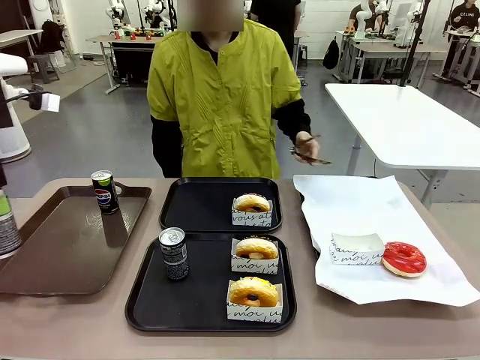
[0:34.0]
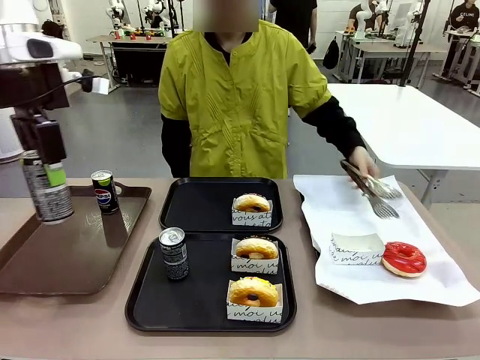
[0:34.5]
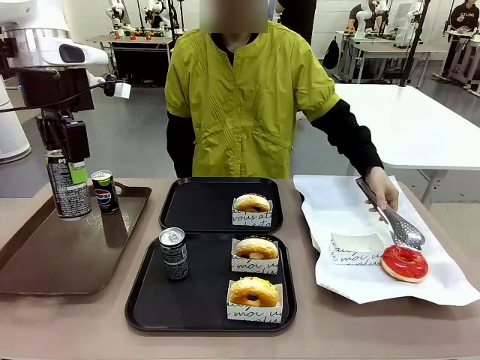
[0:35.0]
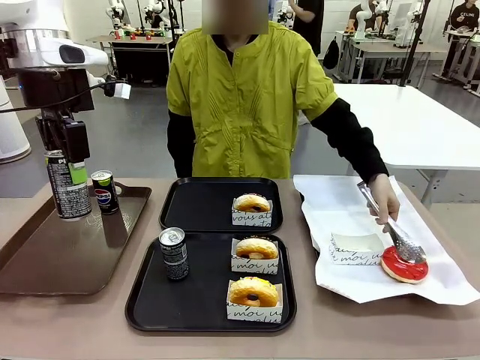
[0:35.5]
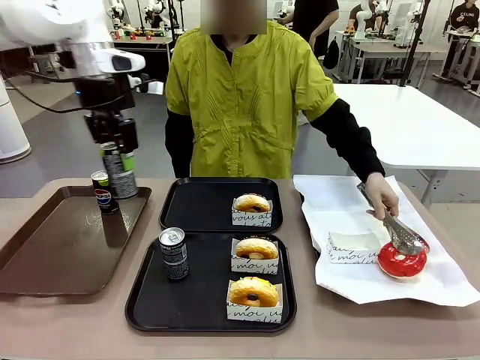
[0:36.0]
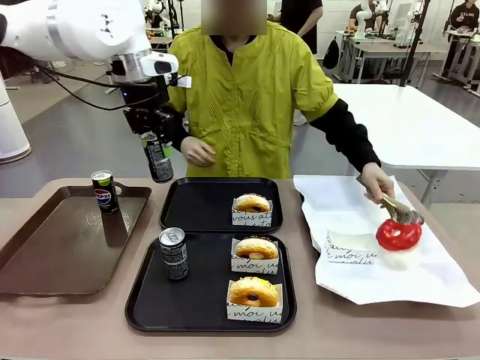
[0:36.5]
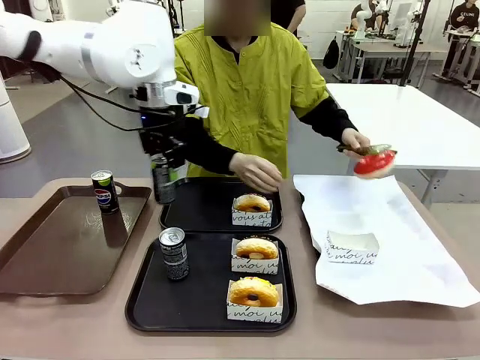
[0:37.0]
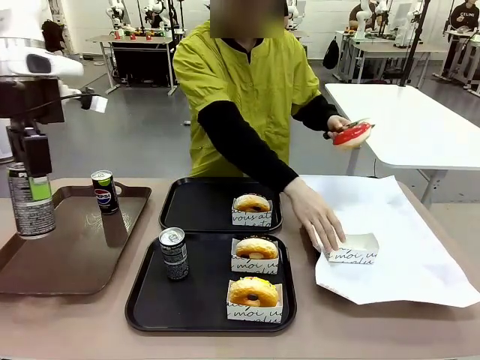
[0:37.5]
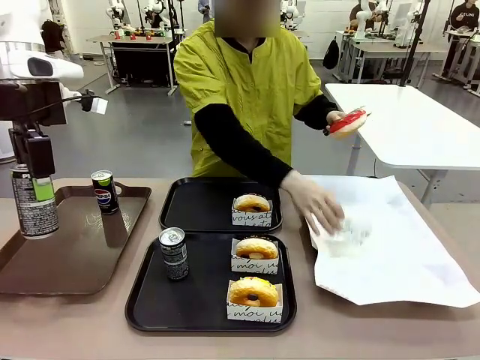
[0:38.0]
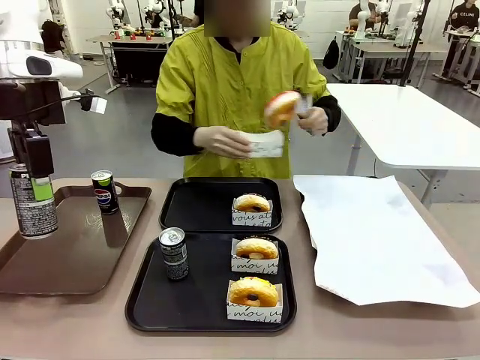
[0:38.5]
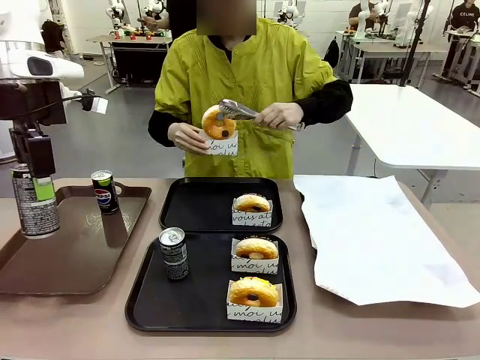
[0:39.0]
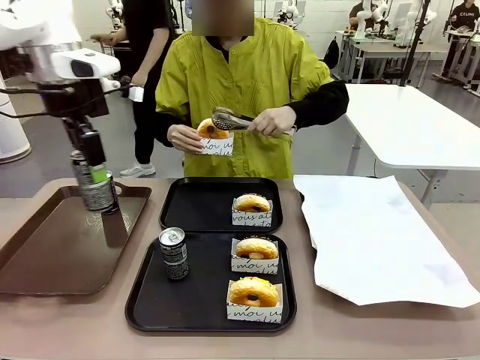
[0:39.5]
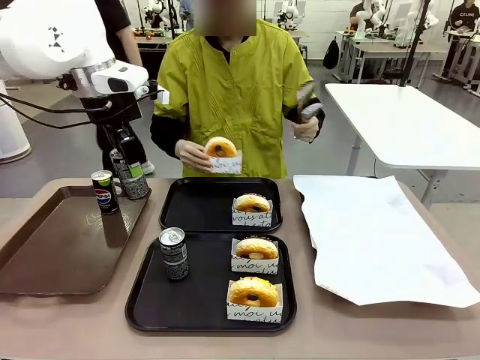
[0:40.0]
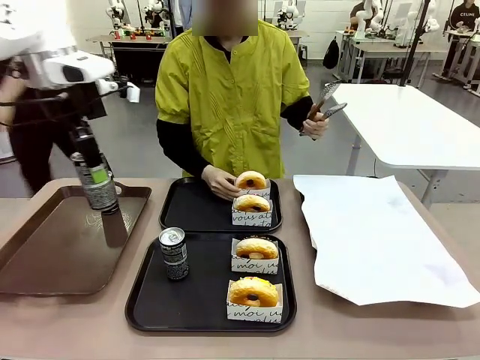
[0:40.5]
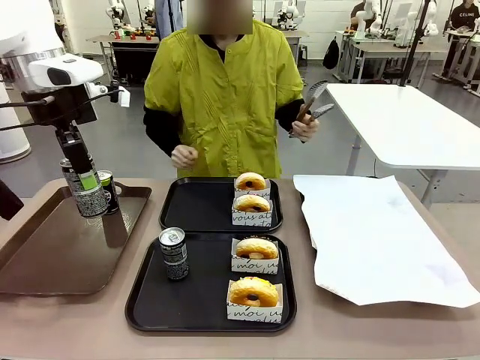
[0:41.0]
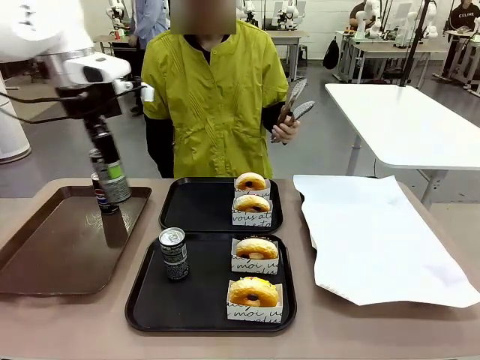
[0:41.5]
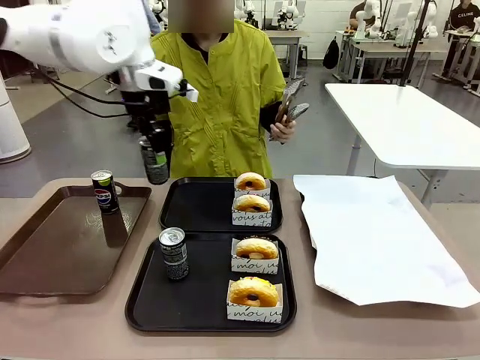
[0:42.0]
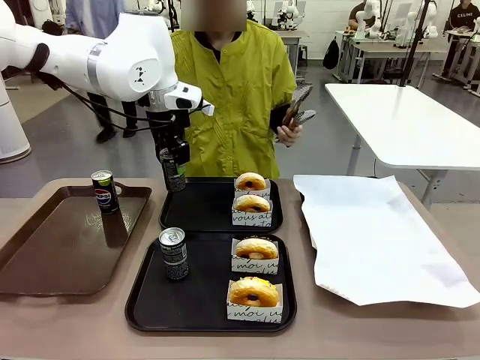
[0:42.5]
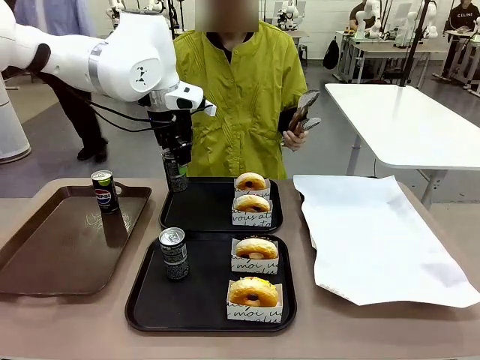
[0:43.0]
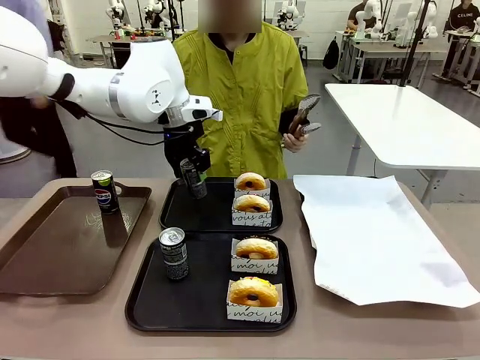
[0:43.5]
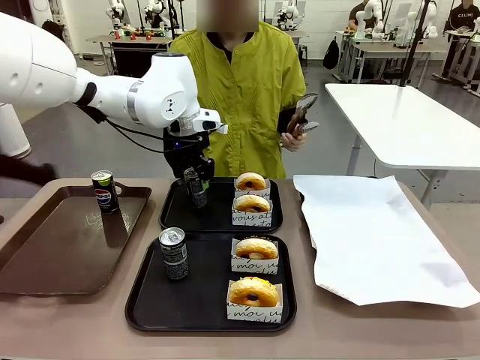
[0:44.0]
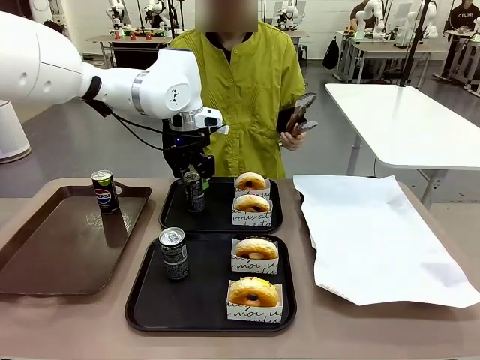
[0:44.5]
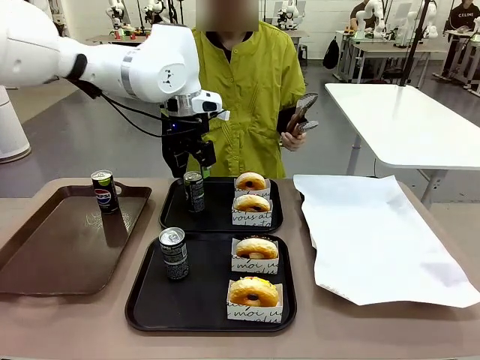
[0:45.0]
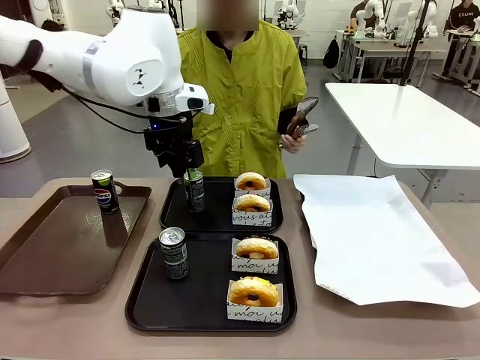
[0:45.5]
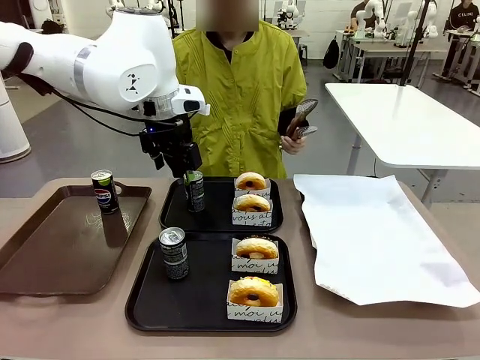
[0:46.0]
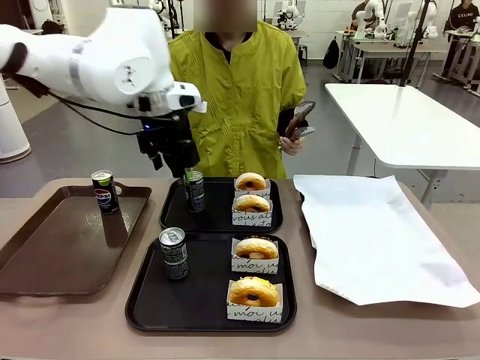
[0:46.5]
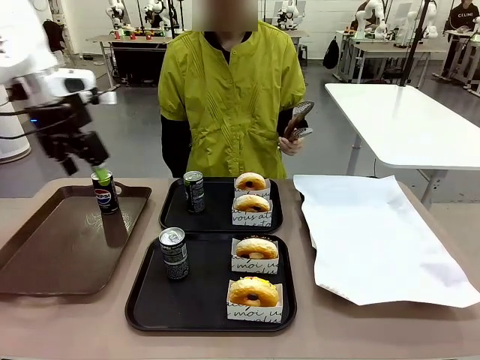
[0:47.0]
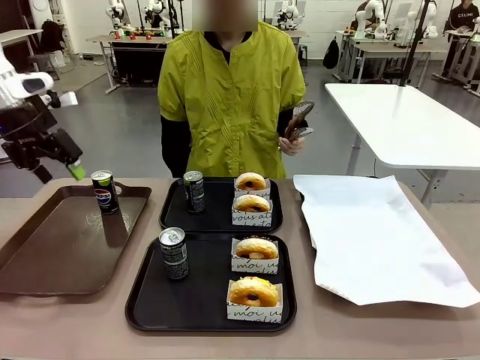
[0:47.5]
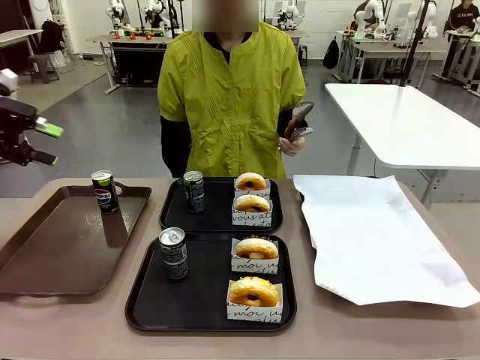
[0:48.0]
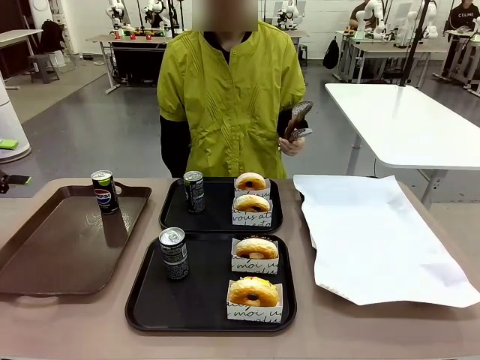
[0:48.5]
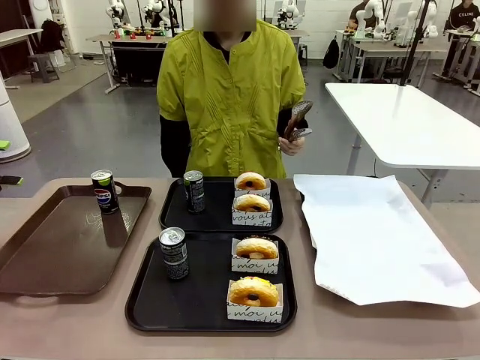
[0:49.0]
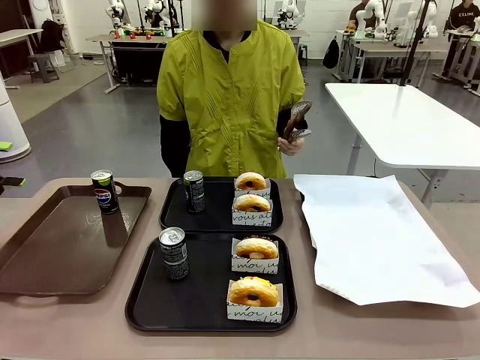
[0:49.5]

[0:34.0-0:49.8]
Task: Set up donuts and drinks on trays.
Robot: Pick up one Pepsi coke from the Handle tray and place it on the Flat Tray without a Pepsi coke.

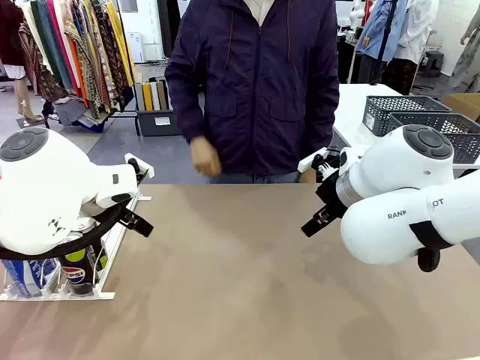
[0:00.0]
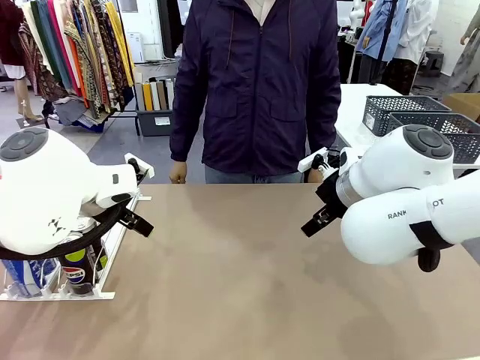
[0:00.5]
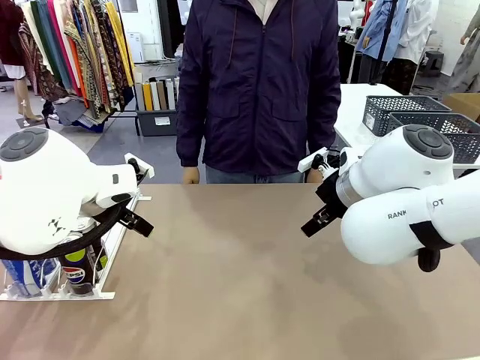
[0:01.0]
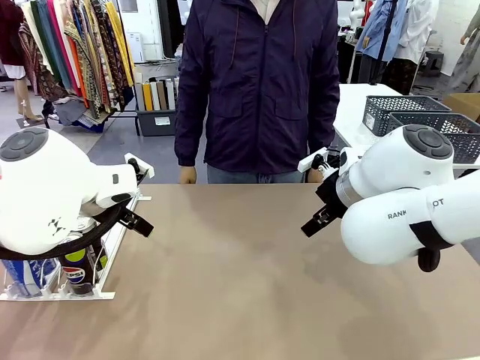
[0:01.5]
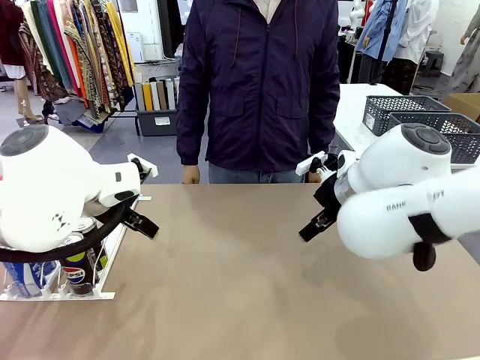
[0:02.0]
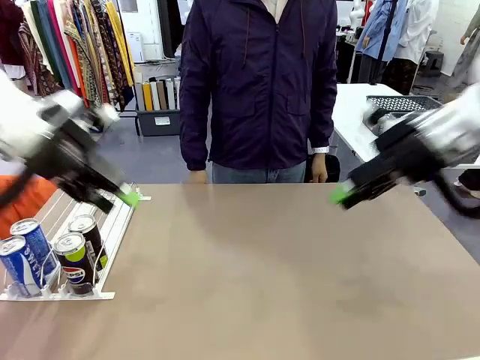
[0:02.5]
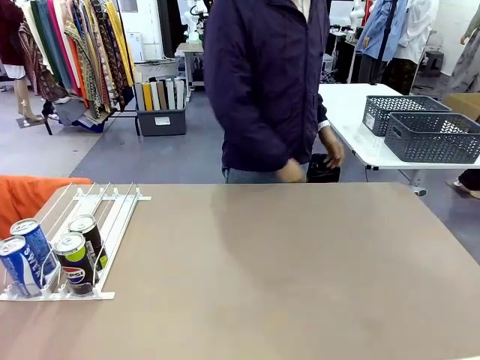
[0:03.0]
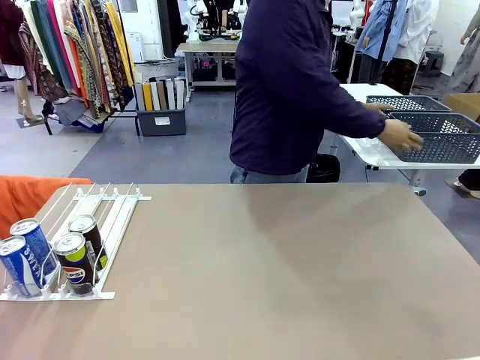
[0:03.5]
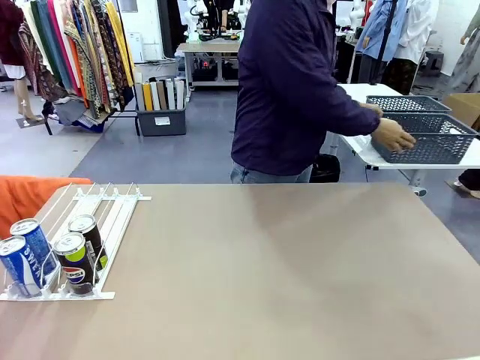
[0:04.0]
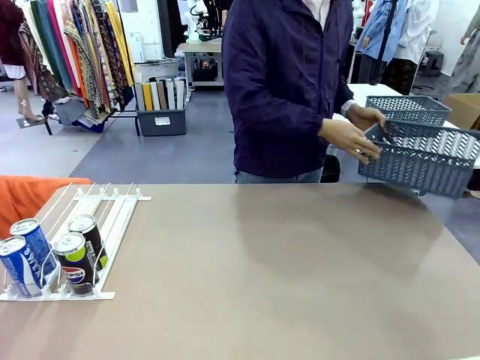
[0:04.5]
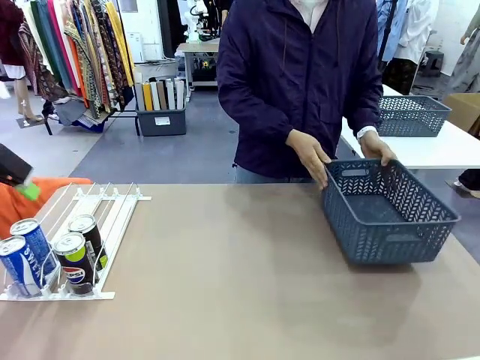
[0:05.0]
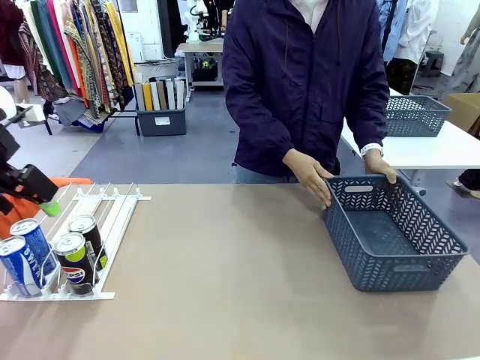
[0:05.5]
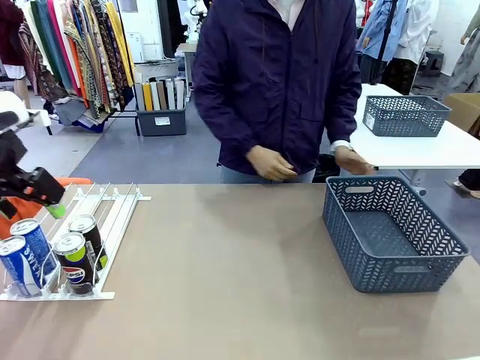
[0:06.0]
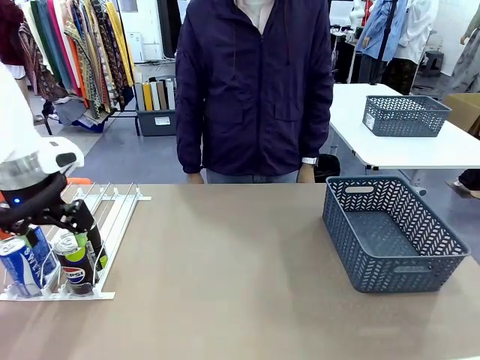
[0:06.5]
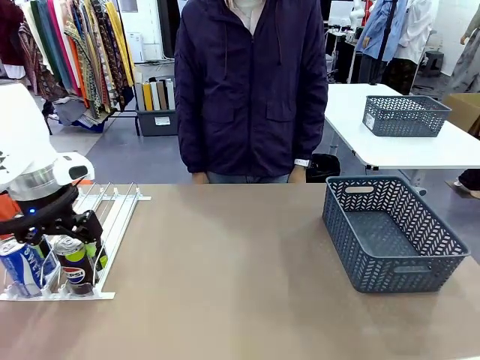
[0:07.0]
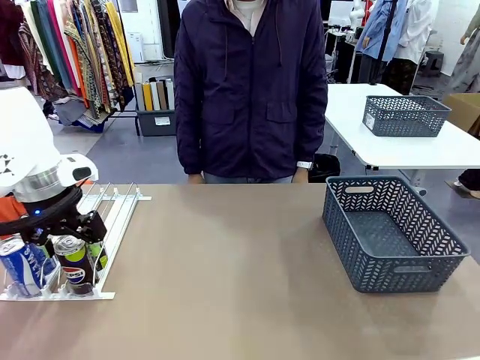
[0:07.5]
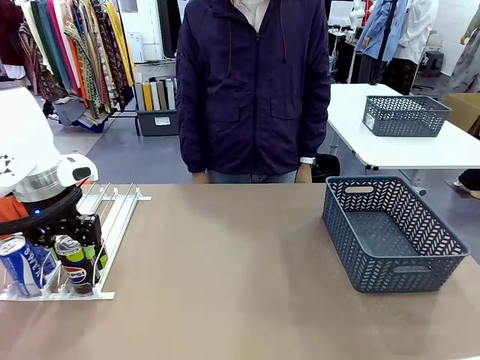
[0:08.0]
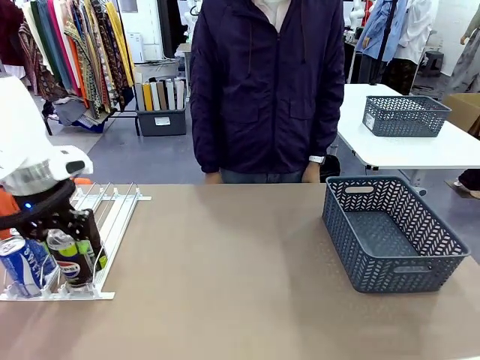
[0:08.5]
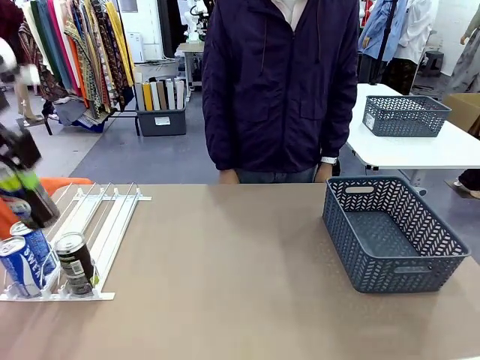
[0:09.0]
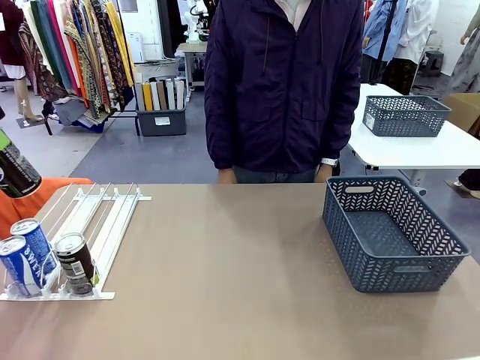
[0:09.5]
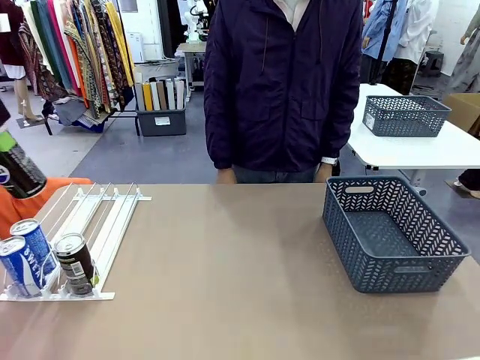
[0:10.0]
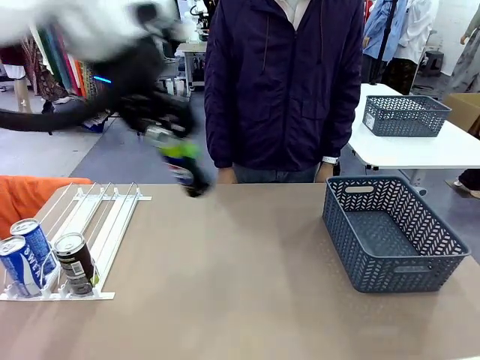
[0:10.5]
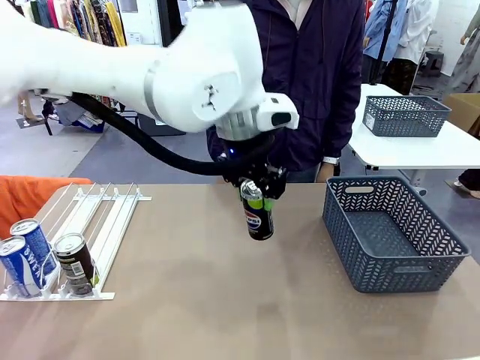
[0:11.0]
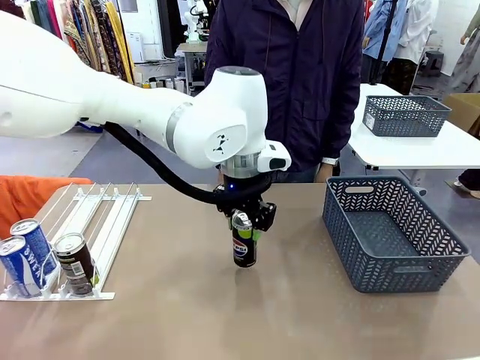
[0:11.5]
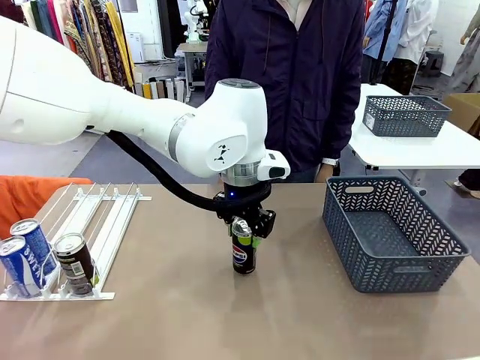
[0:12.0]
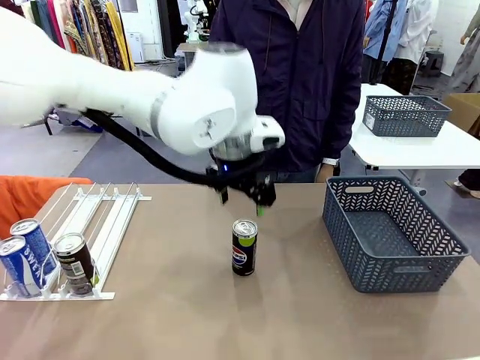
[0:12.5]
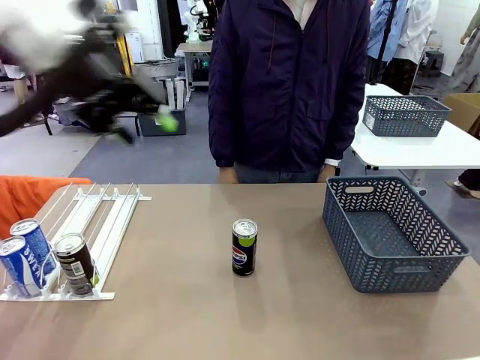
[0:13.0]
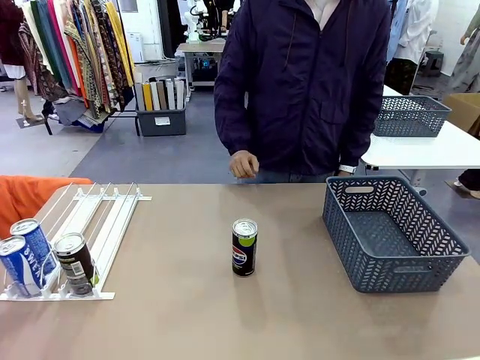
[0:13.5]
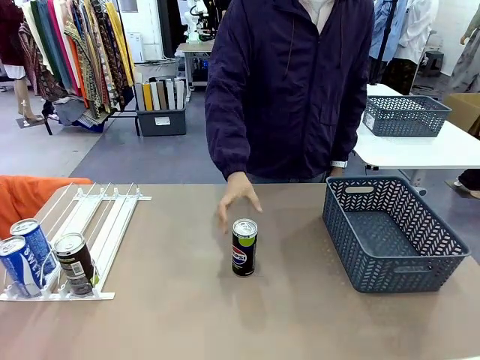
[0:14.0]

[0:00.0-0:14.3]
Task: Retrieve and store the cans from the dispenser.
Robot: Pick up one can from the Automatic Can Dispenser and place it in the middle of the table.
Person: Pick up the basket and place it on the left side of the robot table.
